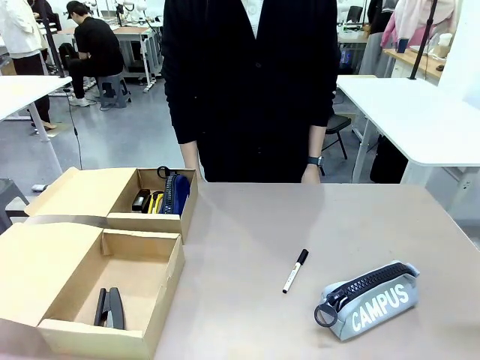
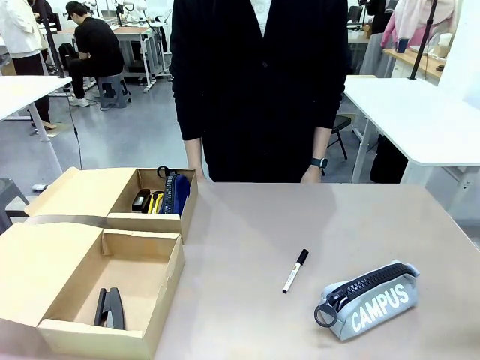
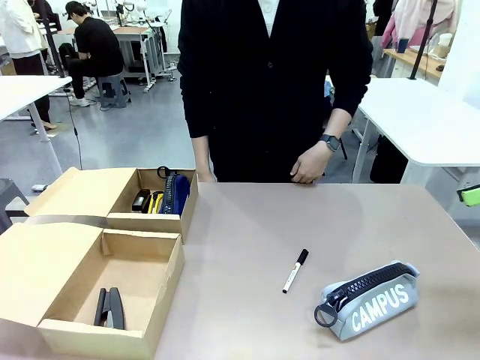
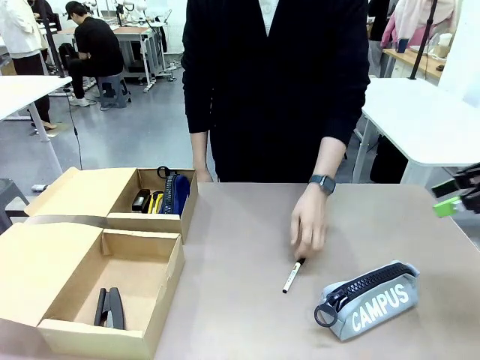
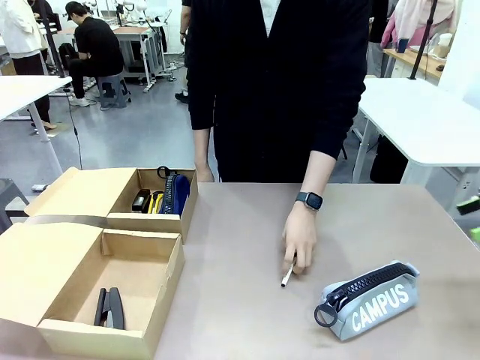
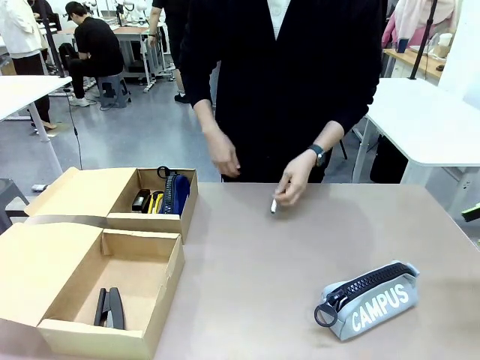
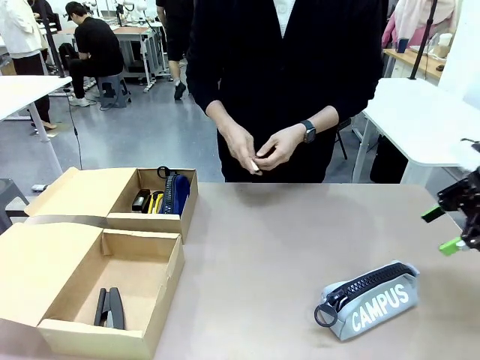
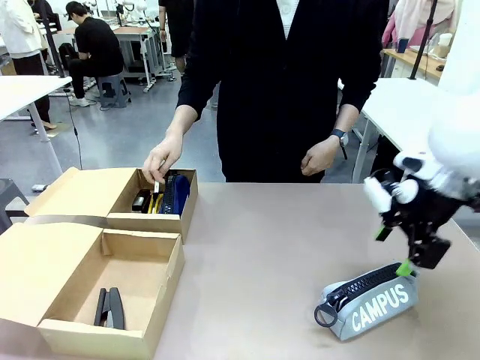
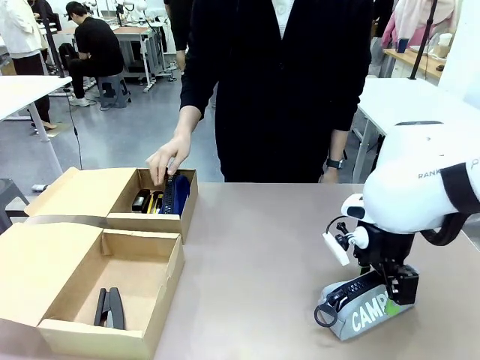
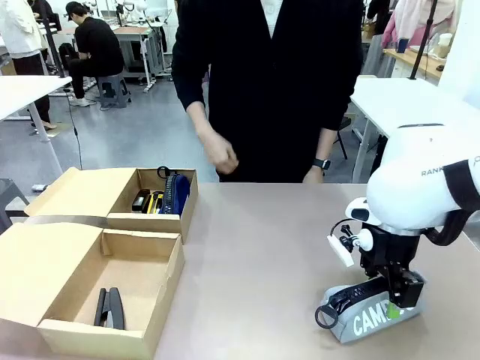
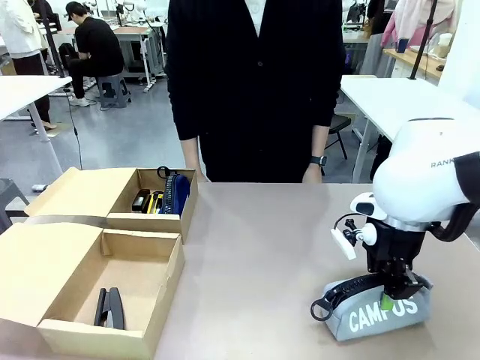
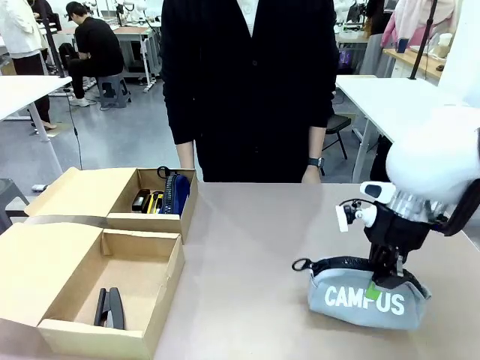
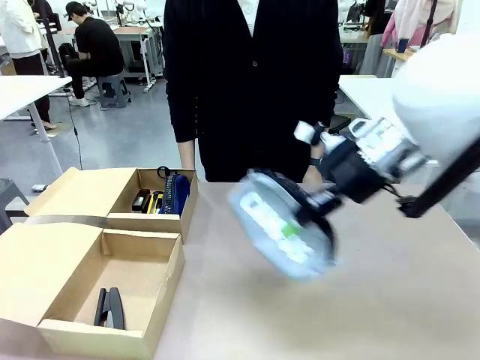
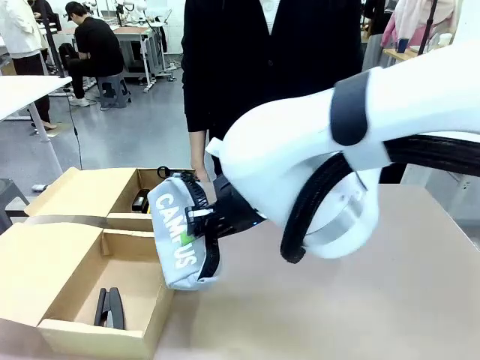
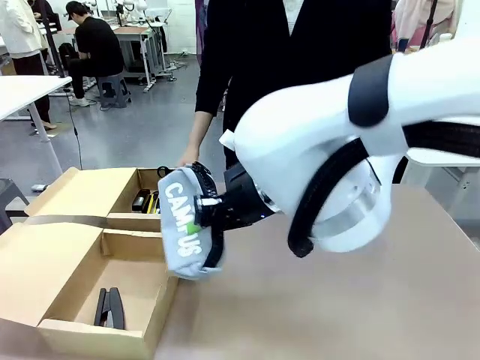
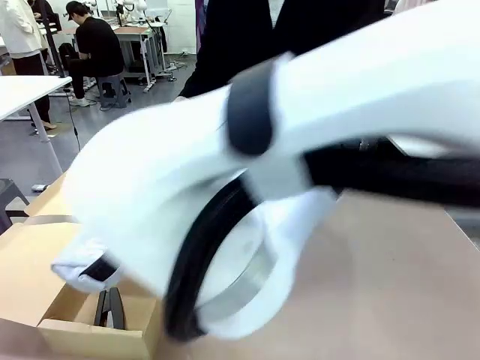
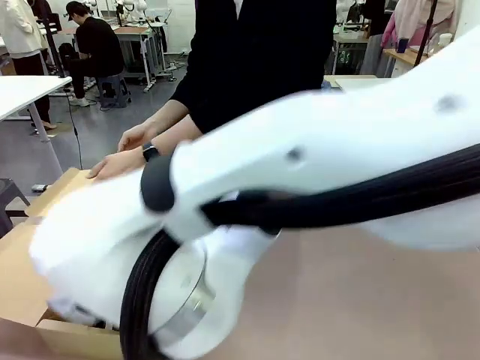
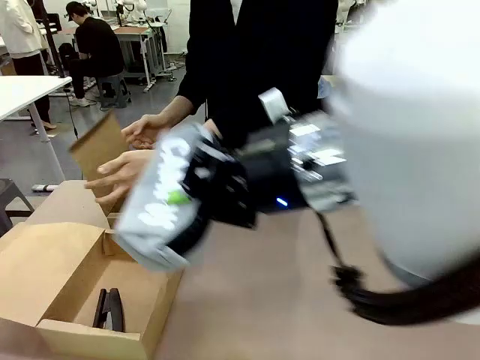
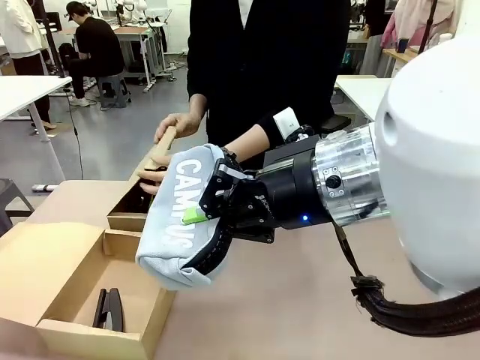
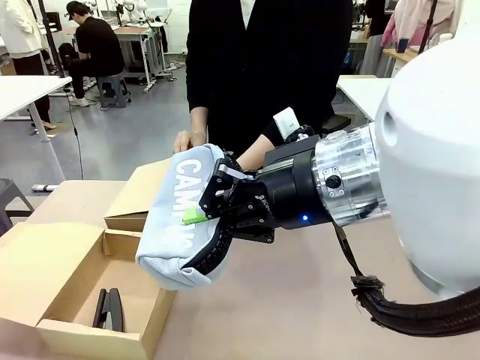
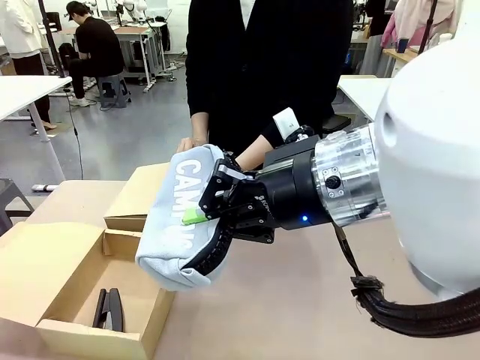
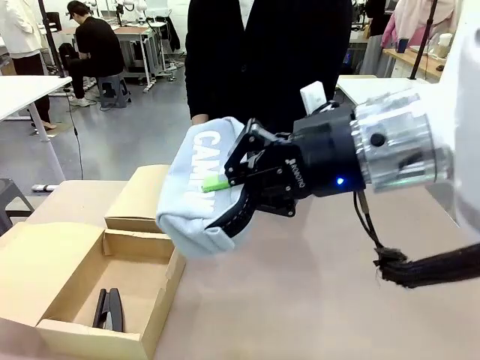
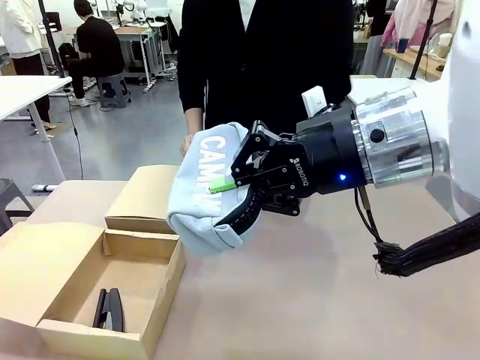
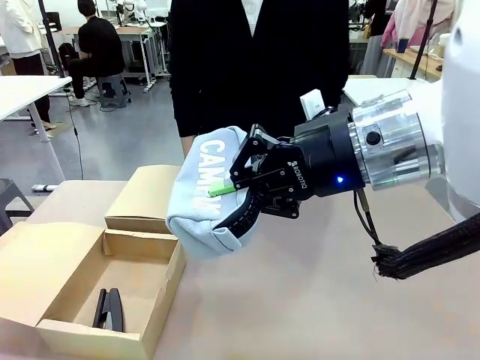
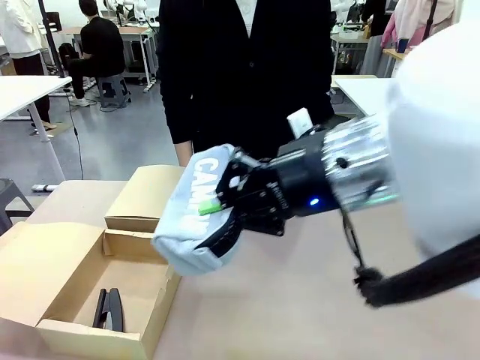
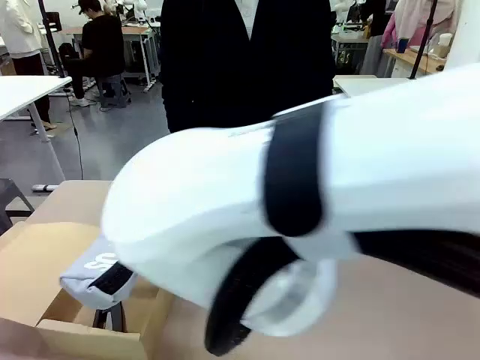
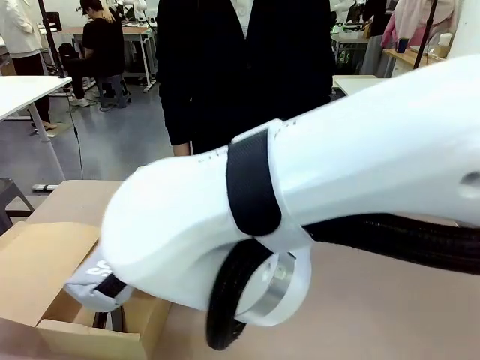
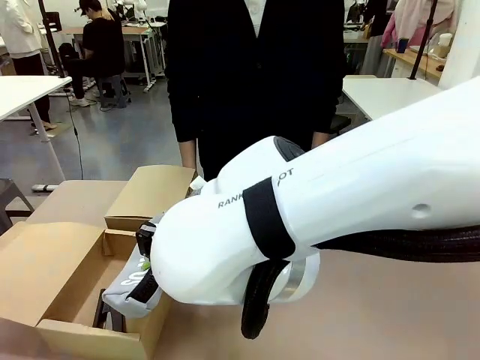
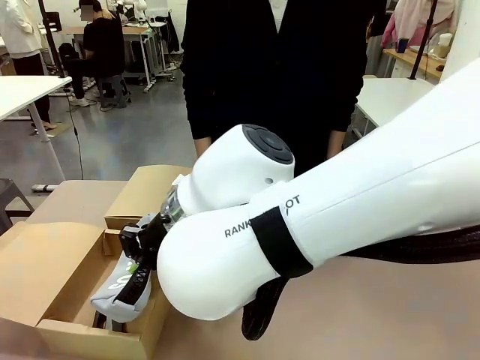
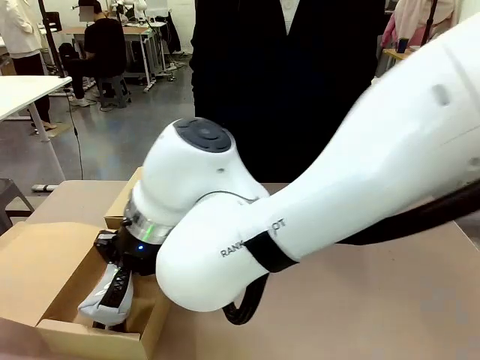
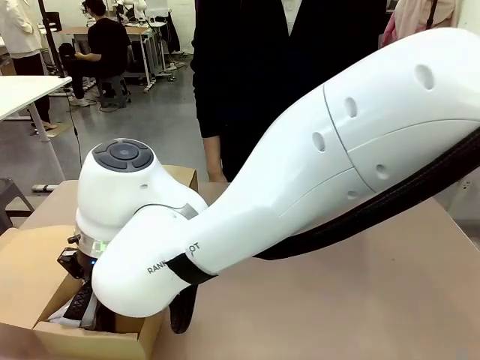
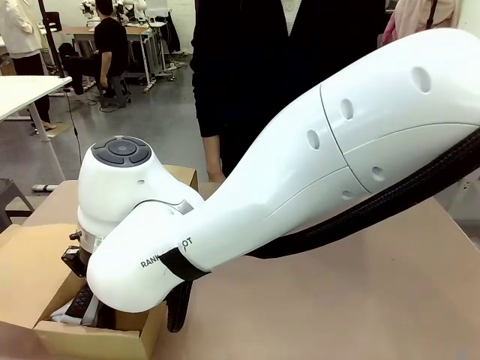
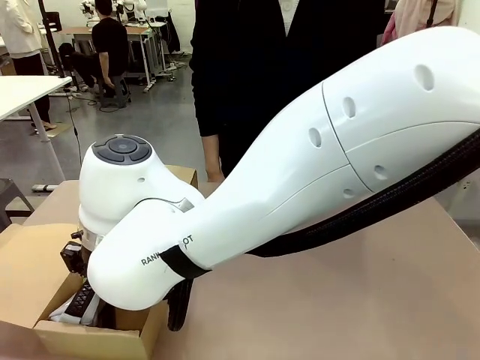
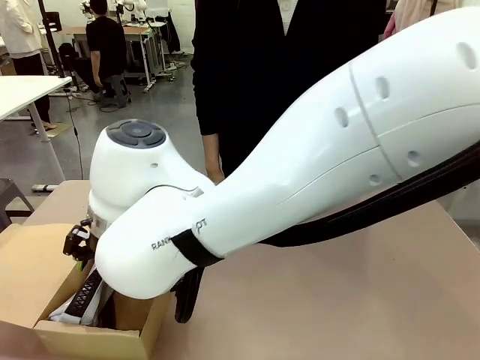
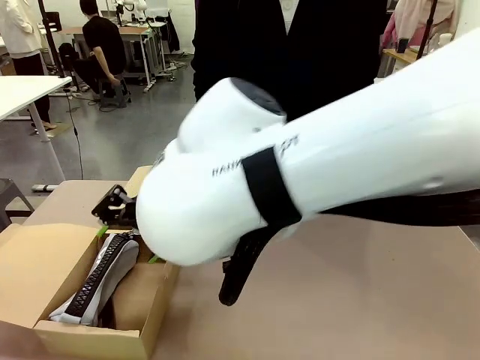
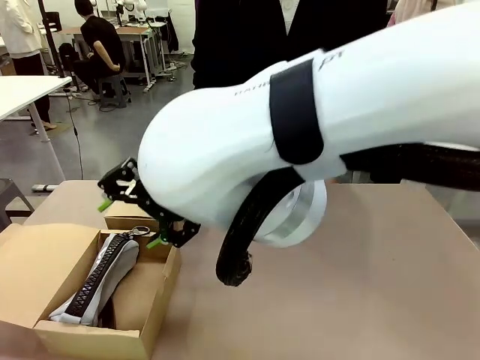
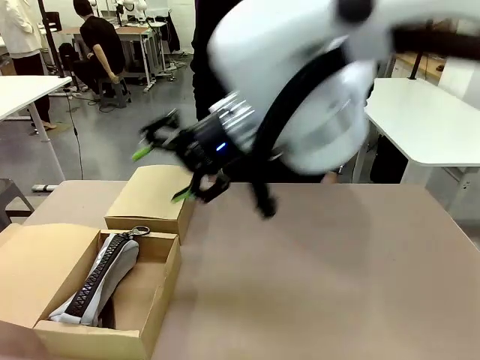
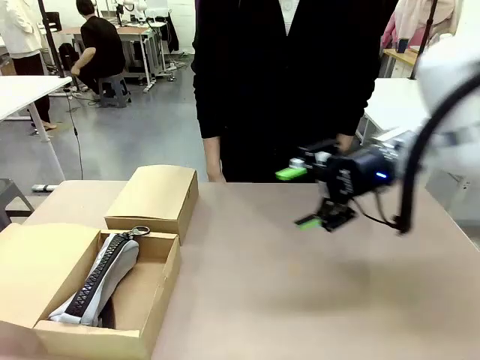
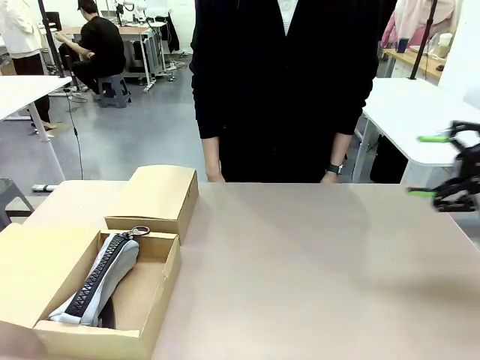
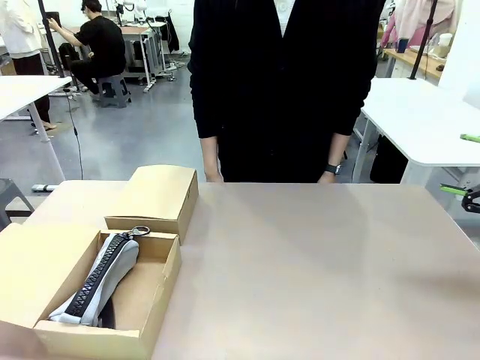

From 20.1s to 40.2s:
Task: Place items inside the box.
Robot: Pick up a Pencil pouch or Stapler and place it inside the Mailer Box closest to the robot.
Person: Close the lid of the box facing the person.

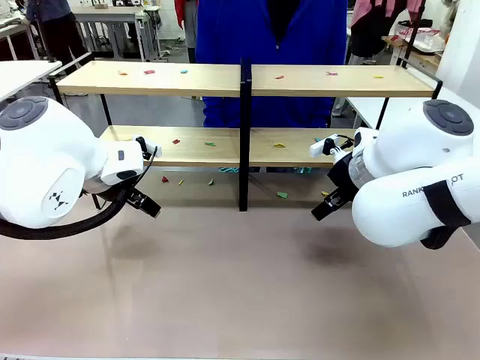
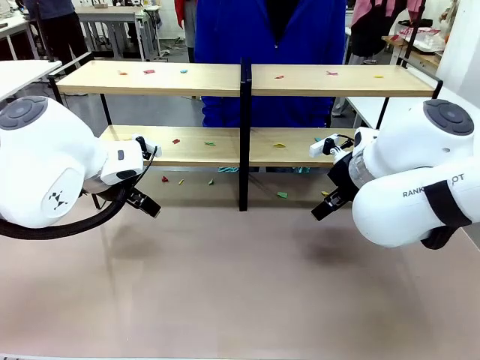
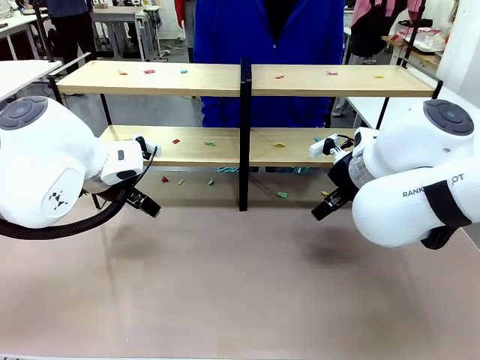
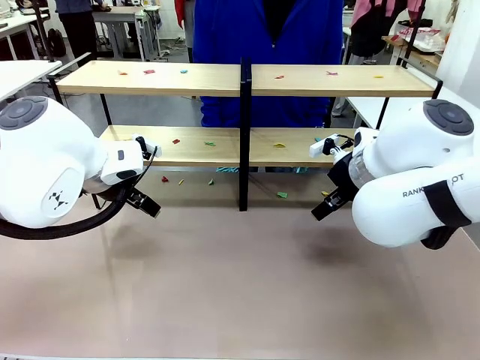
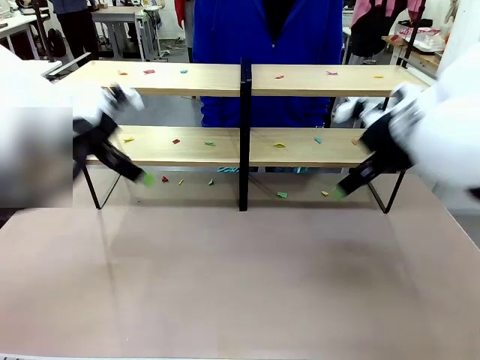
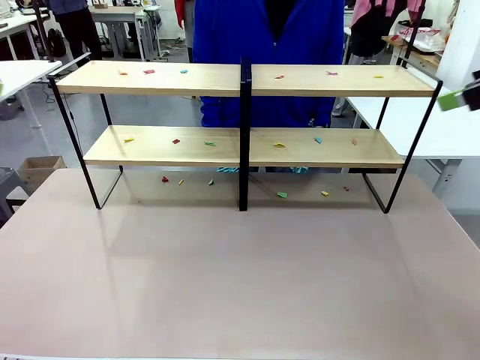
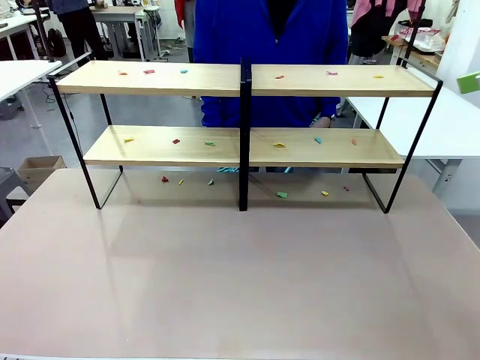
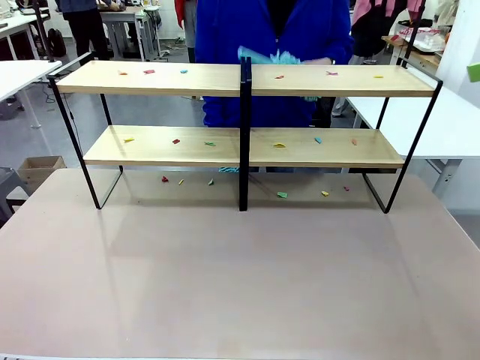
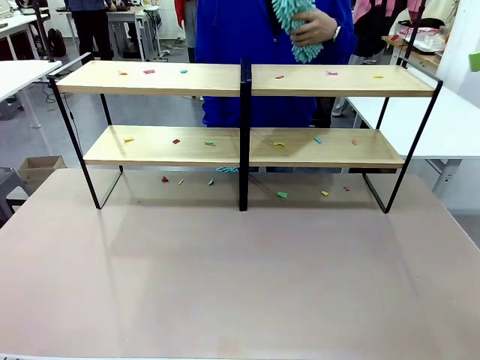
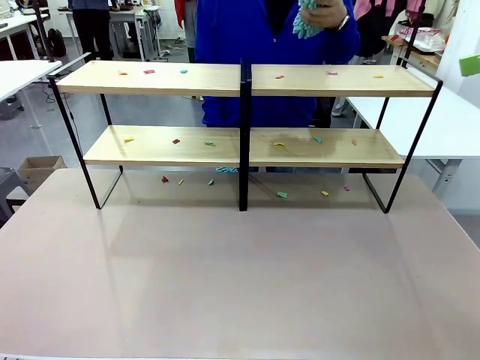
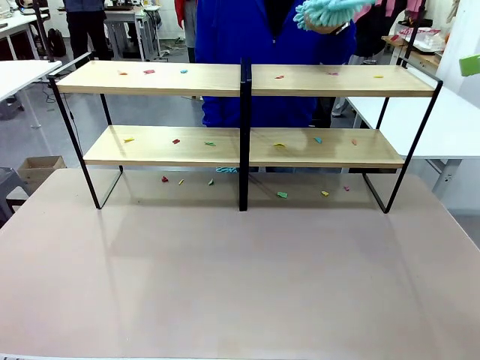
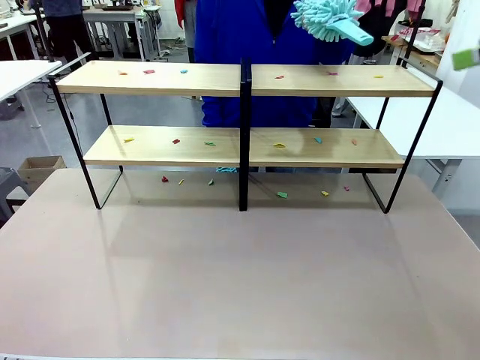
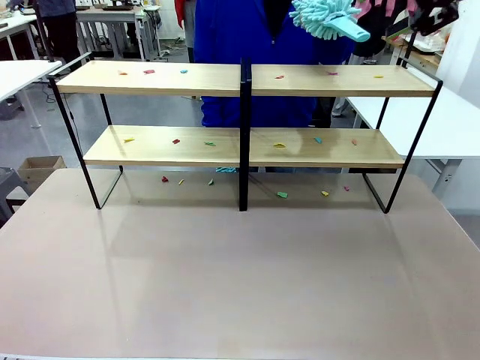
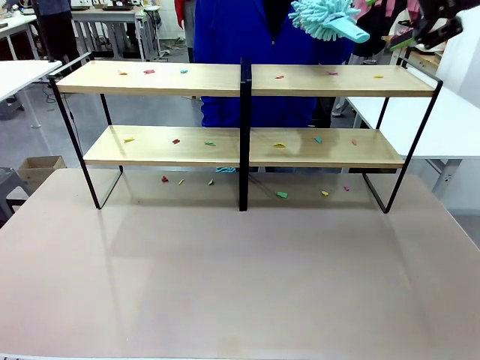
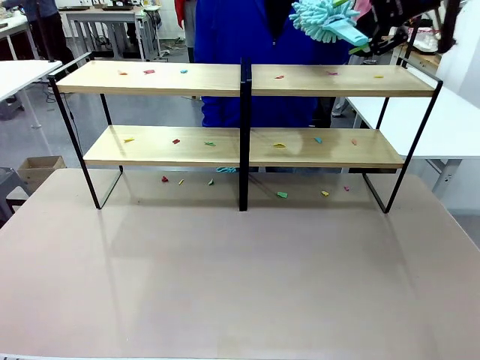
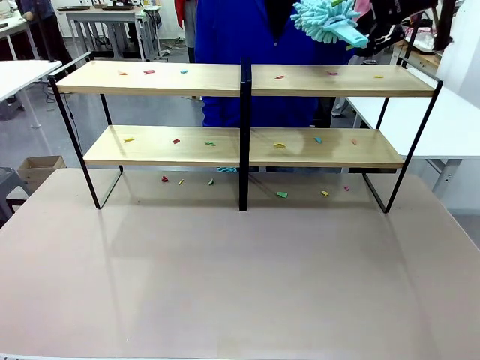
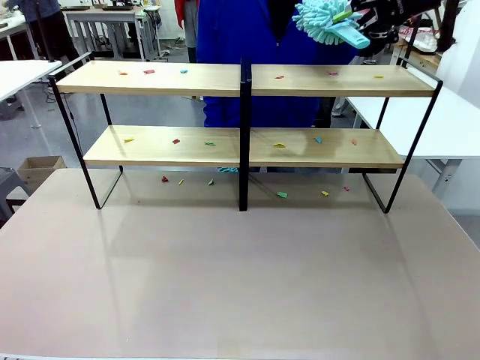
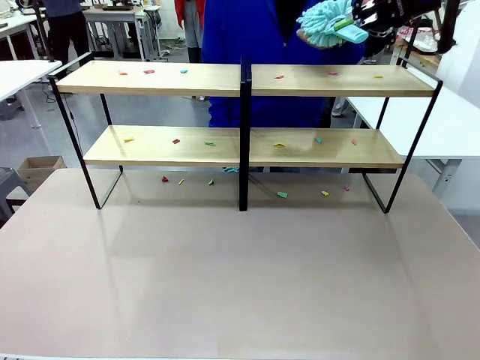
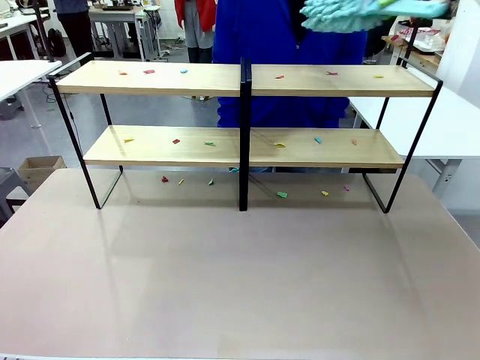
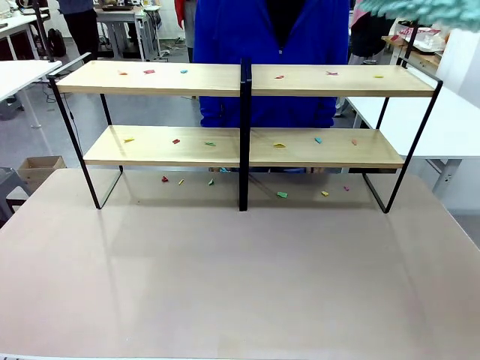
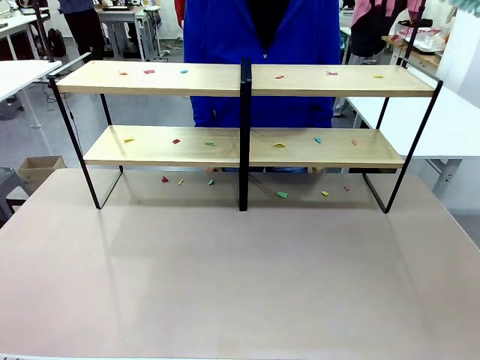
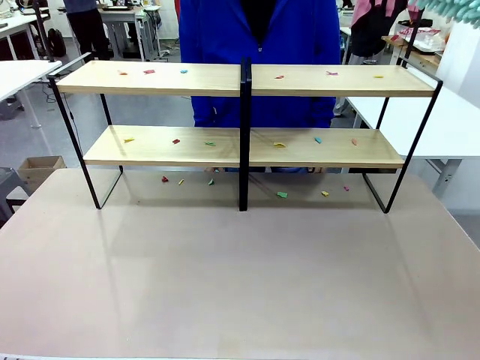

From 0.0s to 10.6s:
Task: Clean the shelves.
Robot: Pick up the Duster when the human hands it over.
Person: Hand the Duster to the robot with your right (or left) hand.
